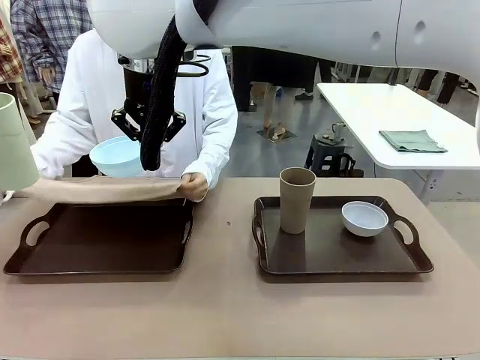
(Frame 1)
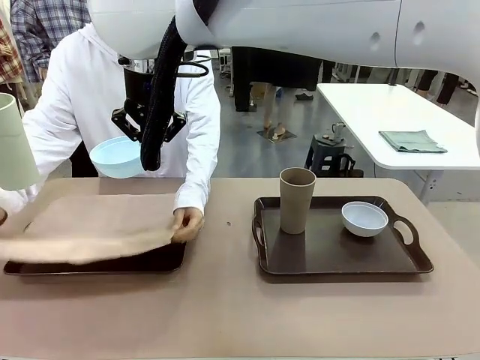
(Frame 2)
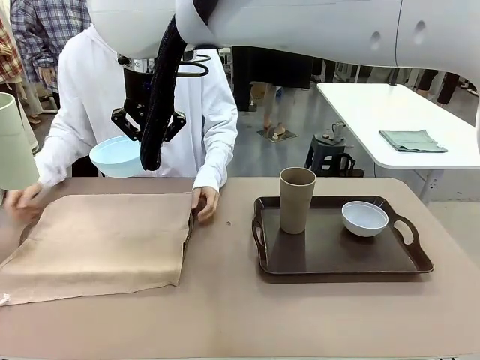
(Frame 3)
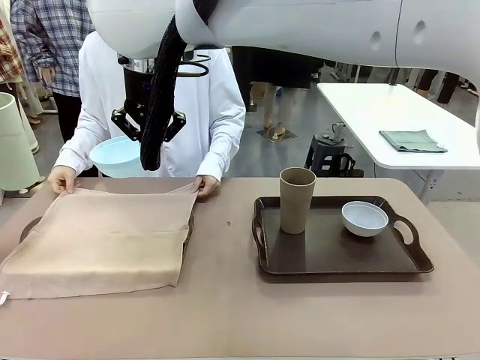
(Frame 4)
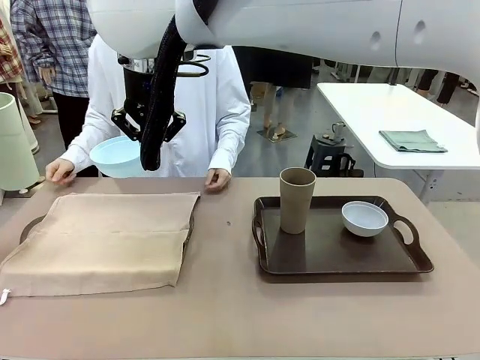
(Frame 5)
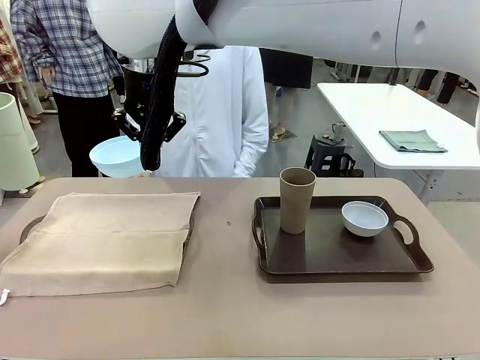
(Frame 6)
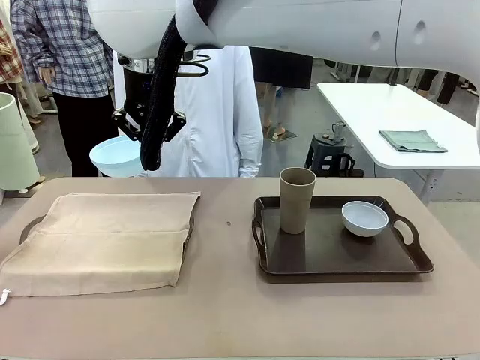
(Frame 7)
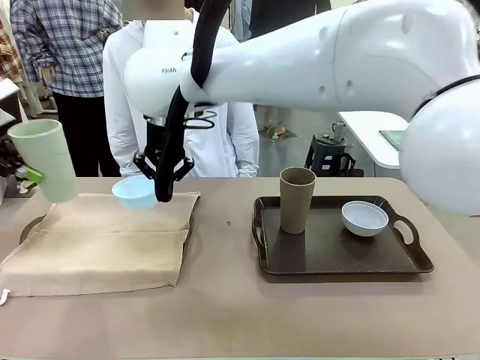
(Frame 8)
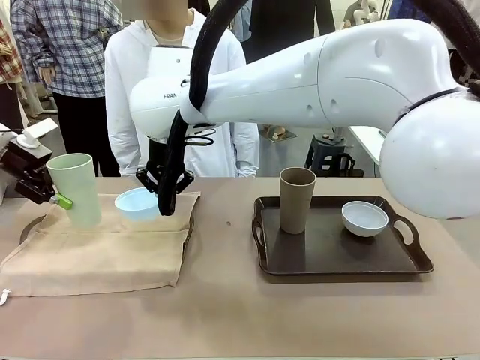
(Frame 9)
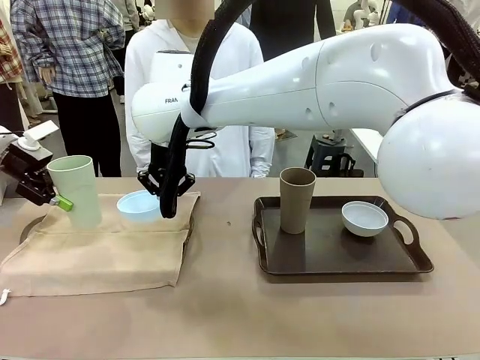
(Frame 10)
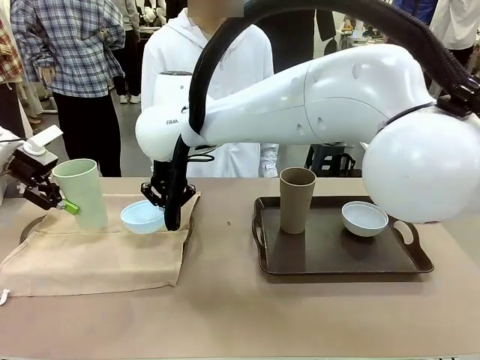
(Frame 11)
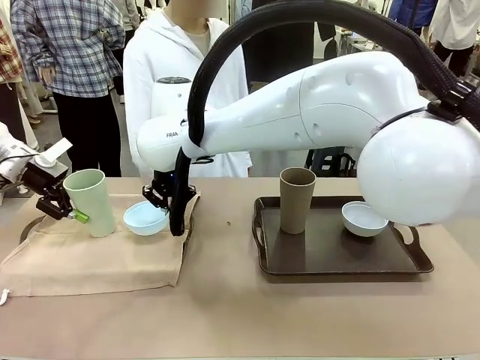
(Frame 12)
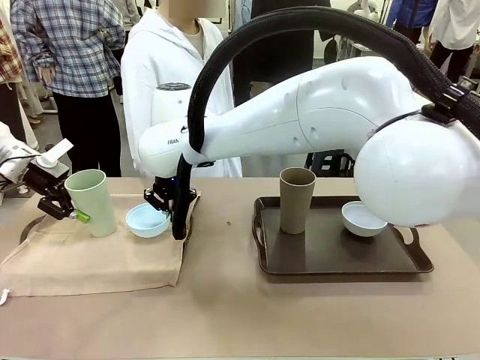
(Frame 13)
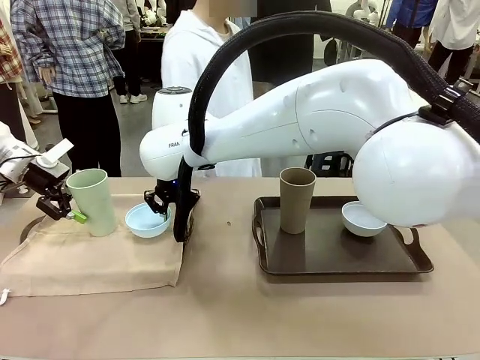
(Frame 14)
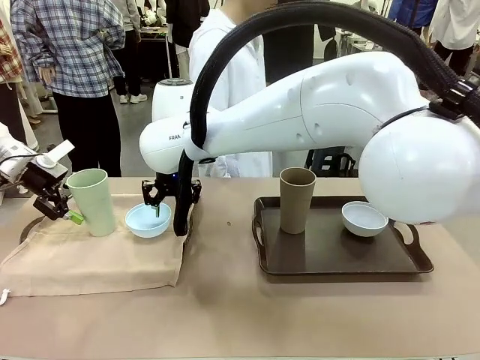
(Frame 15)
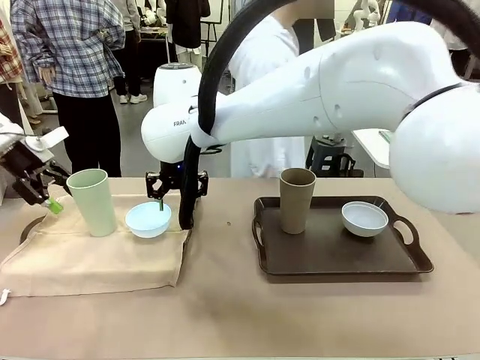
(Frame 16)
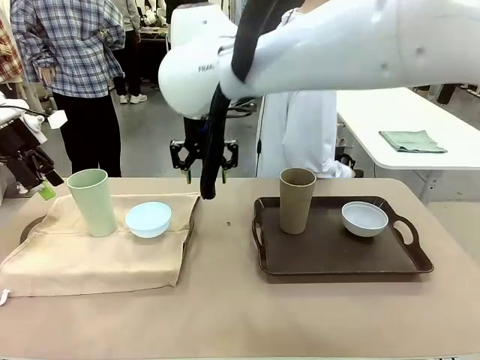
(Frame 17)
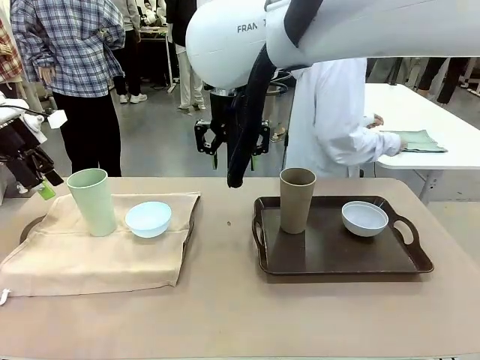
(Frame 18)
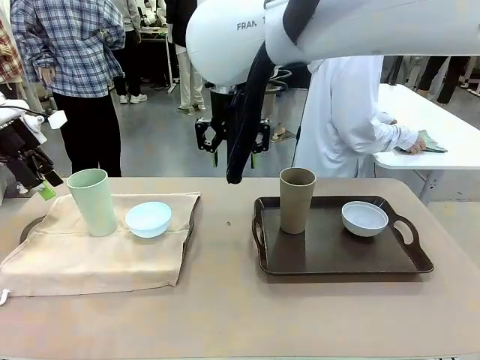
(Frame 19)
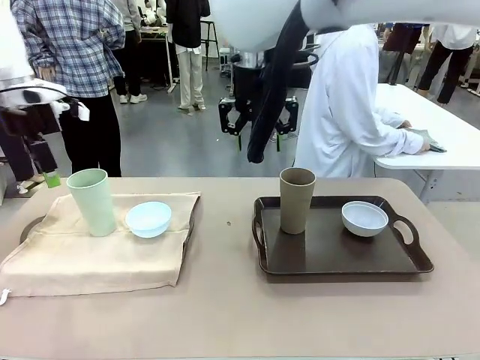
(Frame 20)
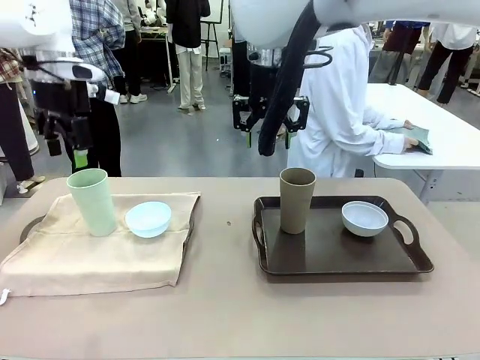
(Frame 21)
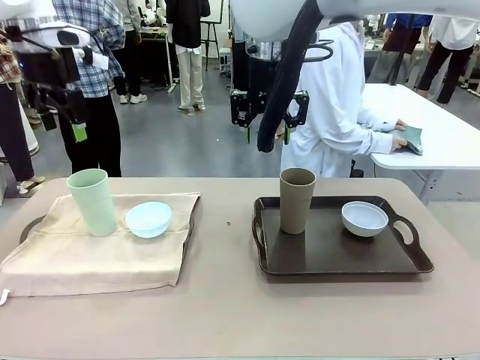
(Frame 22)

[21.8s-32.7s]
Robot: Place the Picnic Bowl and Reusable plastic cup back onto the Handle tray in front of the human's position.
Person: The human returns to the human table to pick up another napkin and walks to the robot table to stand in front of the tray without a napkin.

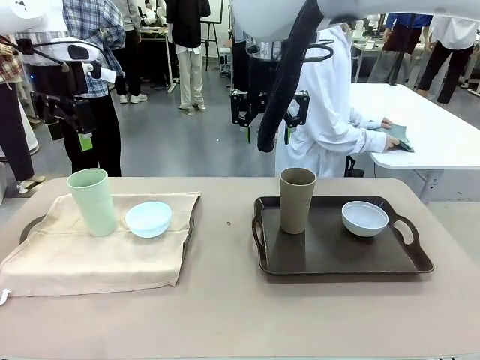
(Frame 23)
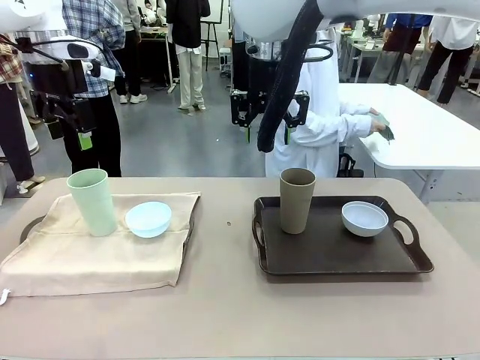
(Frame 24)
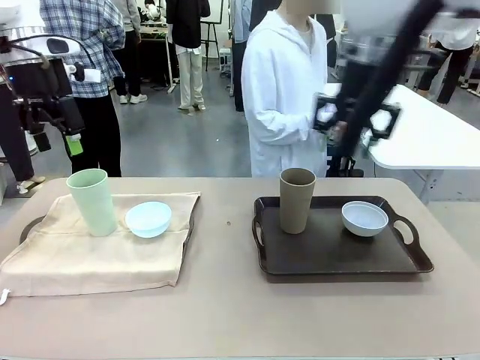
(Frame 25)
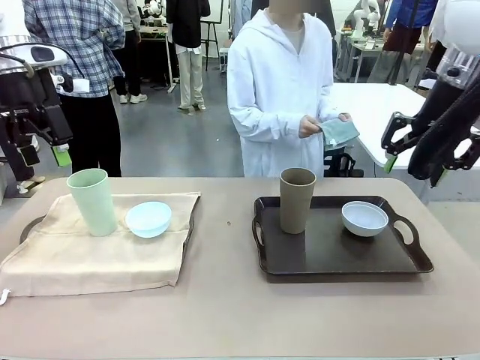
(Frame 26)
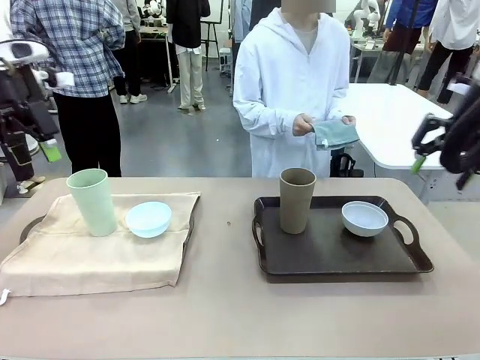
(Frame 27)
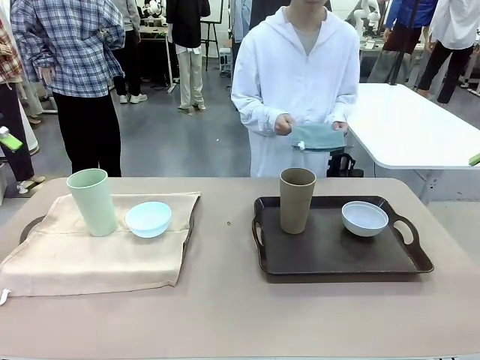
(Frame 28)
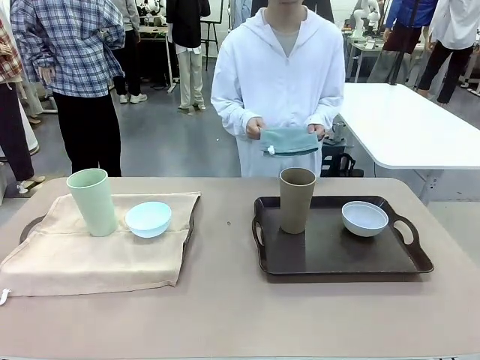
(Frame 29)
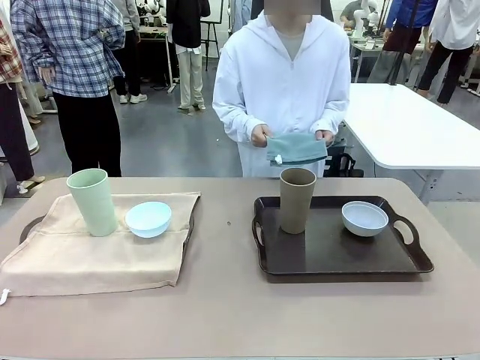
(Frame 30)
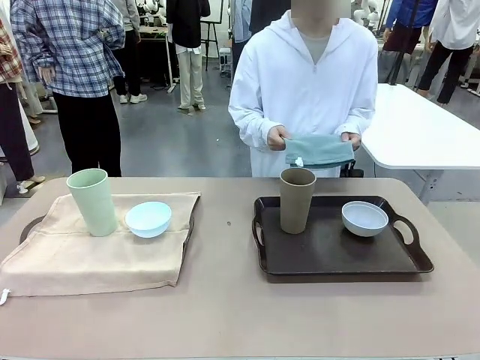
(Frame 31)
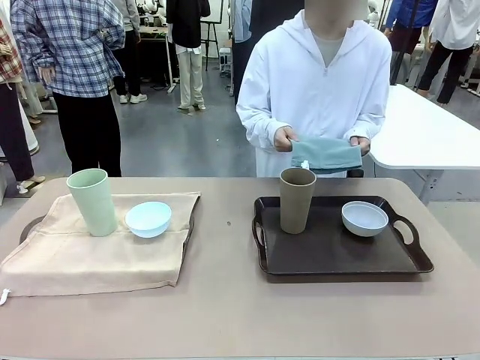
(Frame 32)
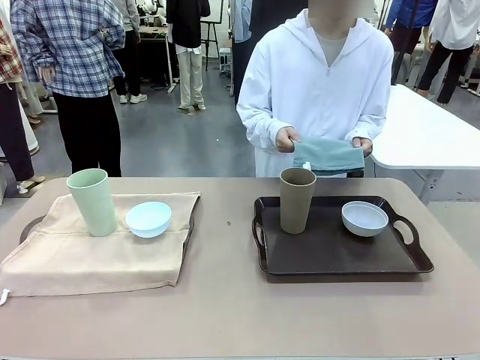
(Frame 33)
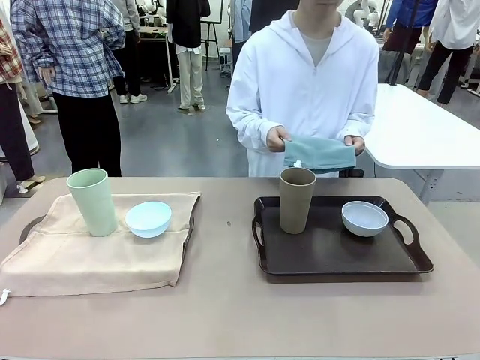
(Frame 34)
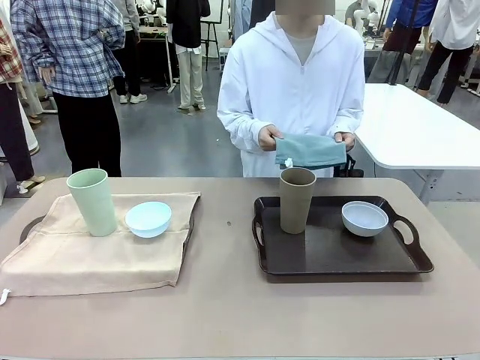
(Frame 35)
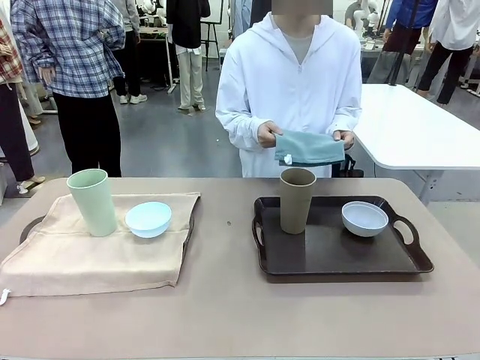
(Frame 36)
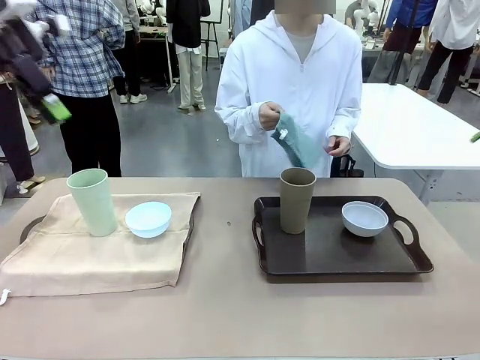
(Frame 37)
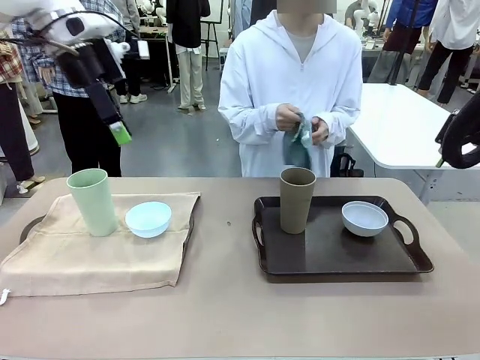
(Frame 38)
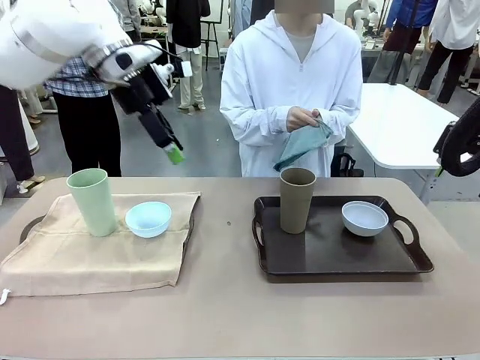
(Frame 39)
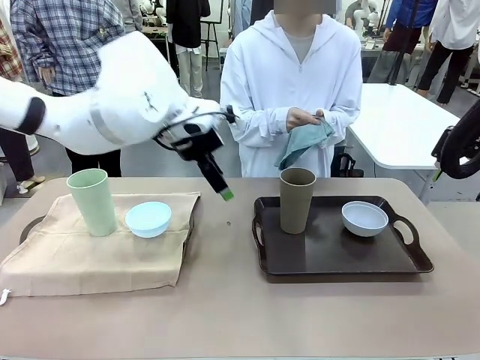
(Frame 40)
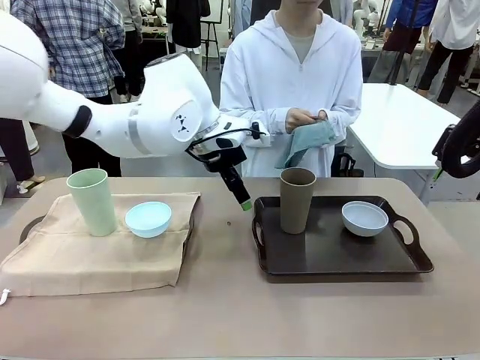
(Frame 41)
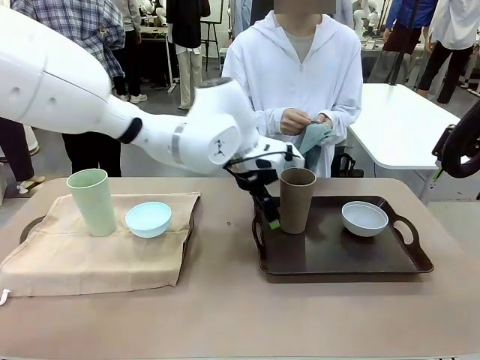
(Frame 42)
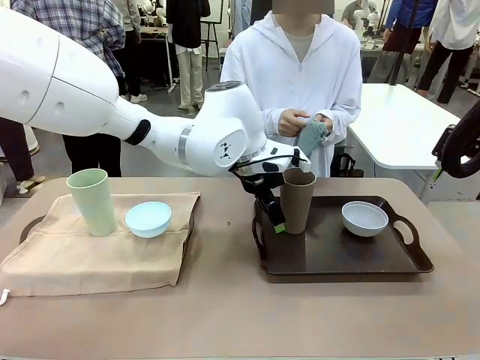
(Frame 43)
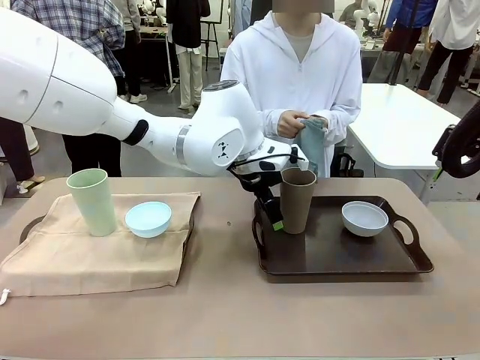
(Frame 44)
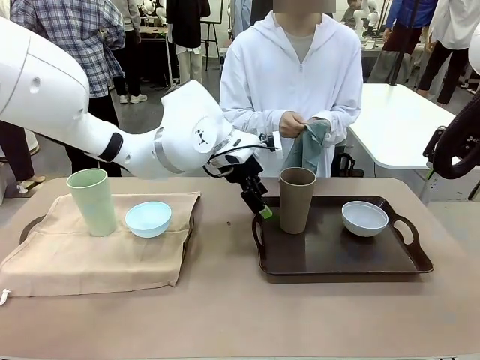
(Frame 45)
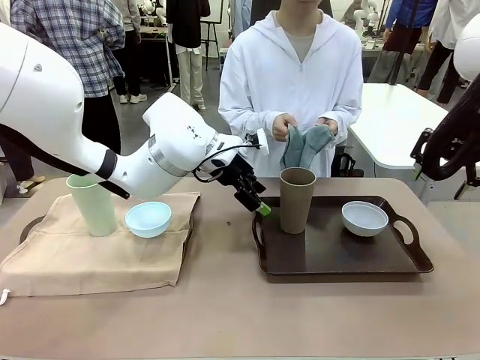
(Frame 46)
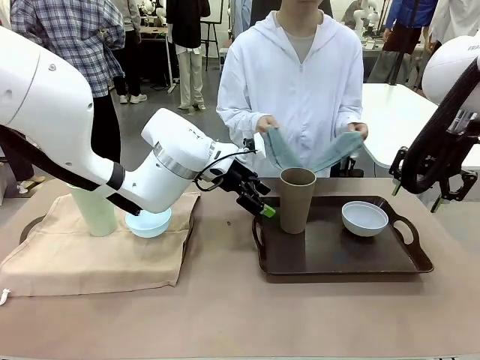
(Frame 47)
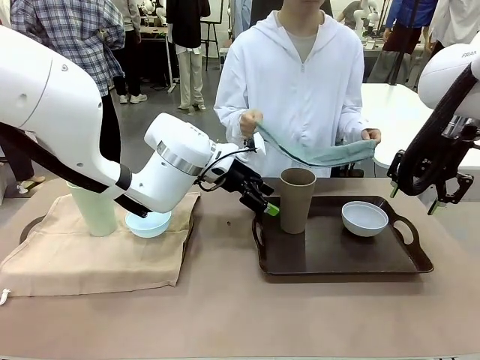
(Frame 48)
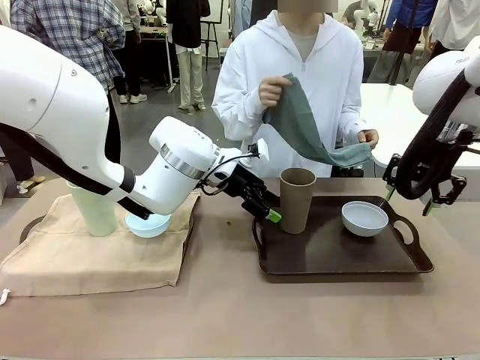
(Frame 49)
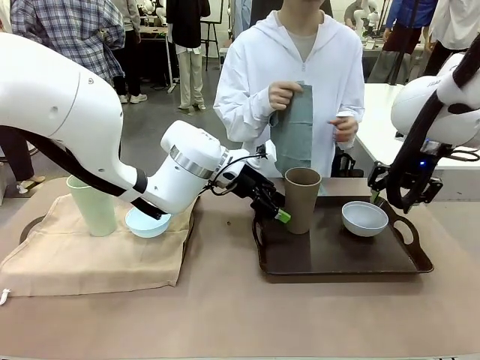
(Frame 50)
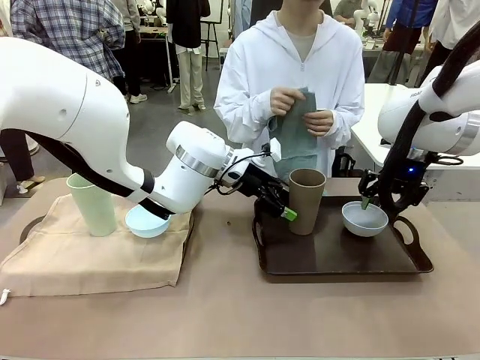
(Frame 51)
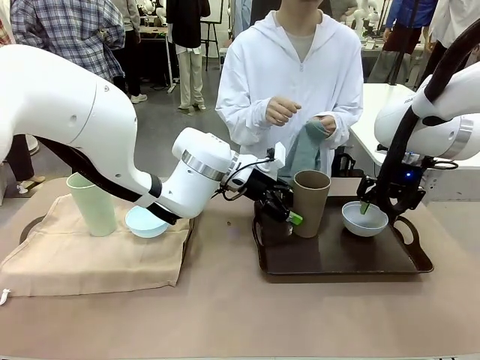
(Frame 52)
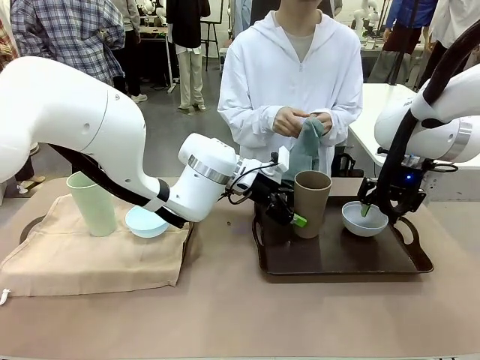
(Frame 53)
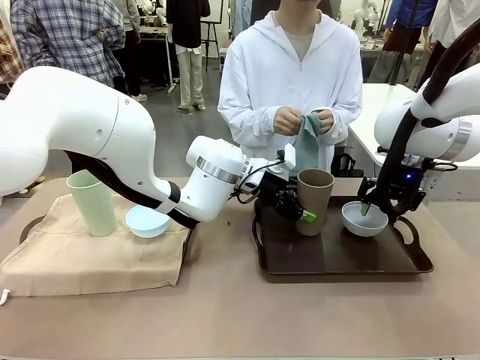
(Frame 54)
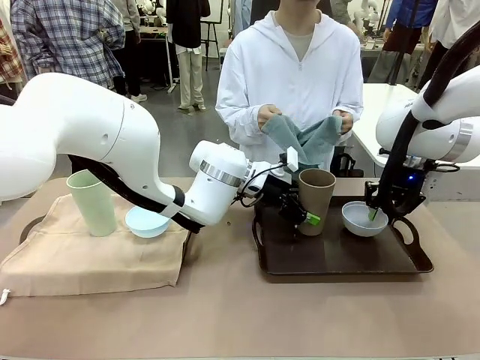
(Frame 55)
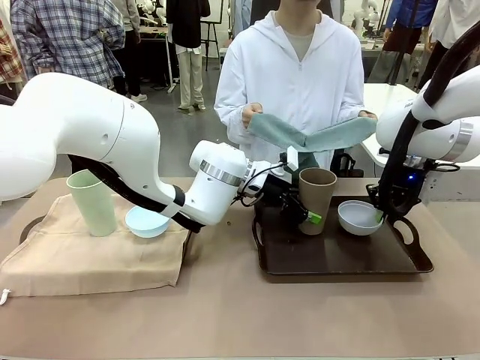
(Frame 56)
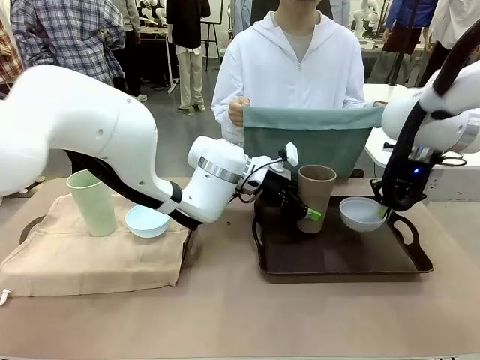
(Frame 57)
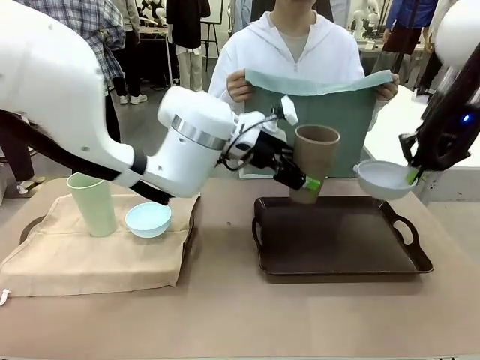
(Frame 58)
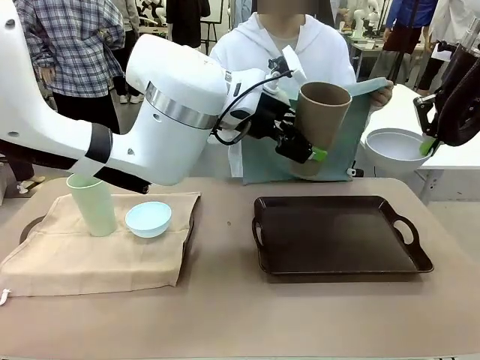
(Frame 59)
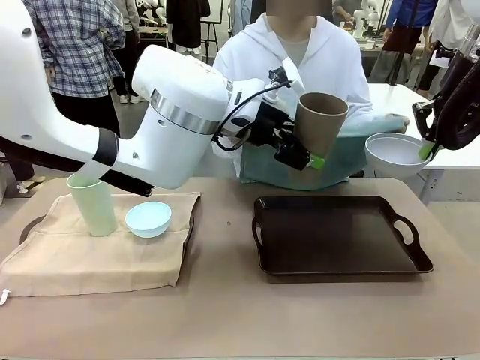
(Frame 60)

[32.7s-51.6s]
Robot: Pick up the Picnic Bowl and Reusable plastic cup from the Handle tray in front of the human's position and hold them in the air.
Person: When the robot lifts the bowl and the cup, the human unfolds the napkin and lays the napkin flat on the tray.
